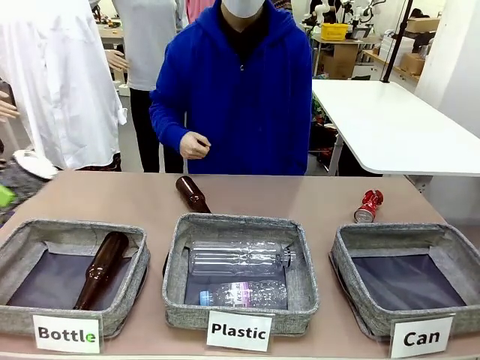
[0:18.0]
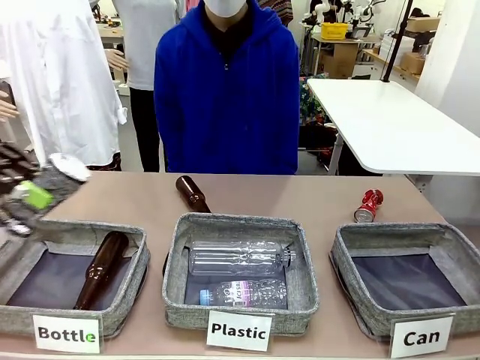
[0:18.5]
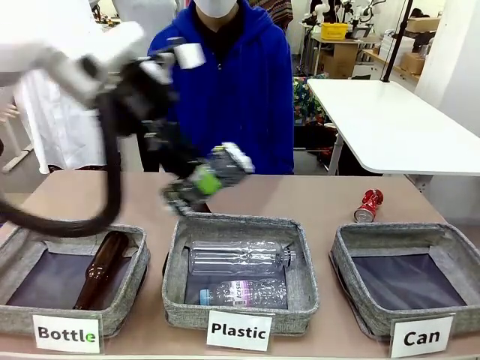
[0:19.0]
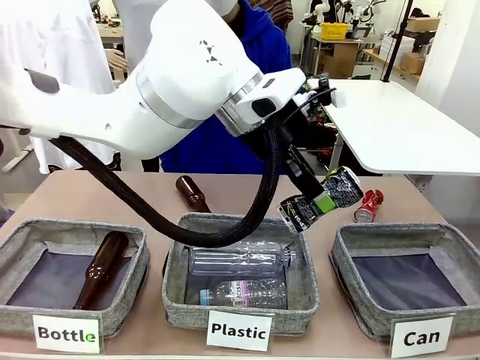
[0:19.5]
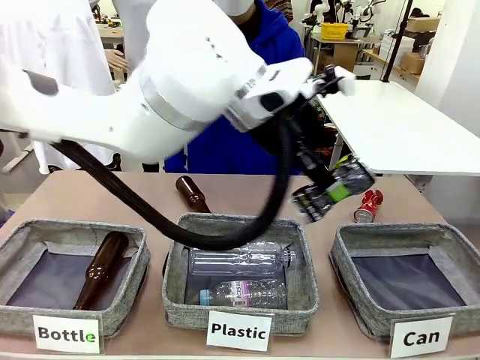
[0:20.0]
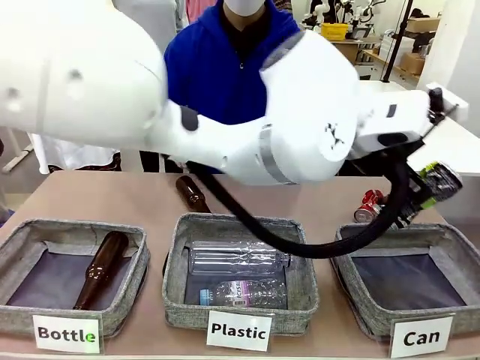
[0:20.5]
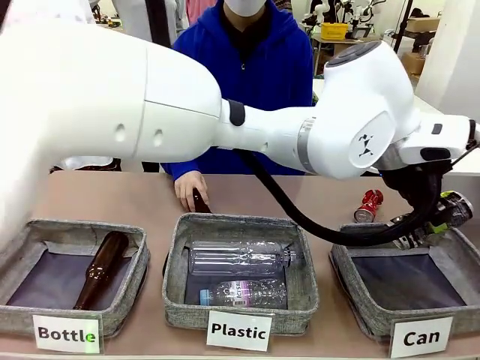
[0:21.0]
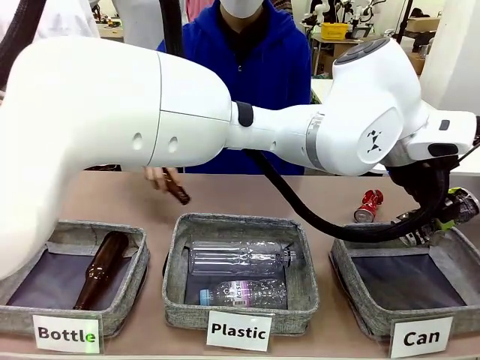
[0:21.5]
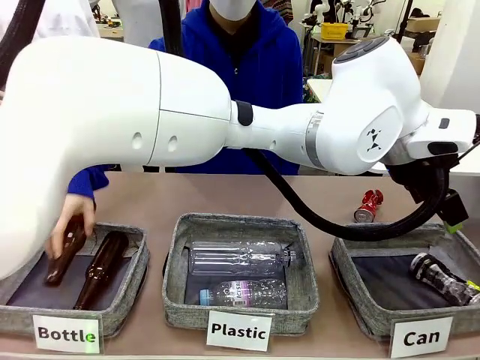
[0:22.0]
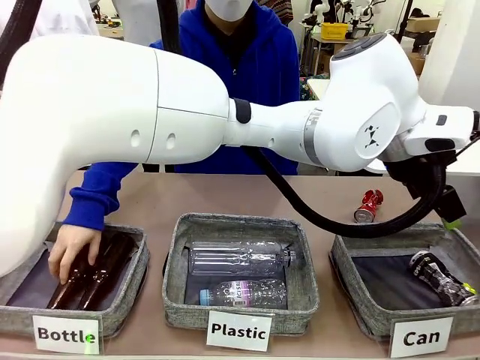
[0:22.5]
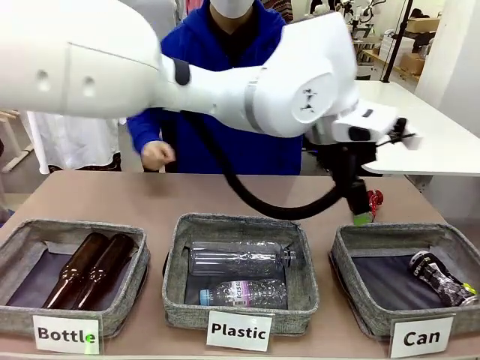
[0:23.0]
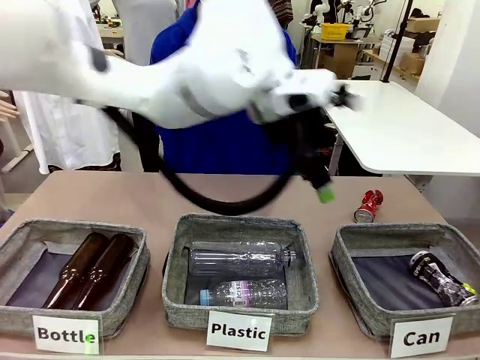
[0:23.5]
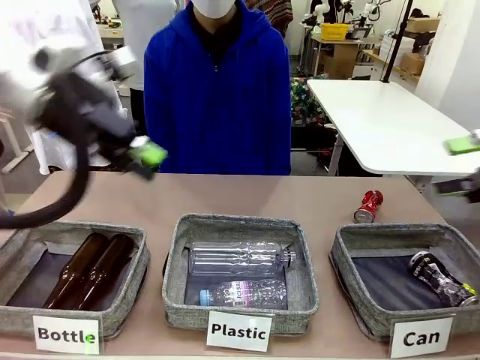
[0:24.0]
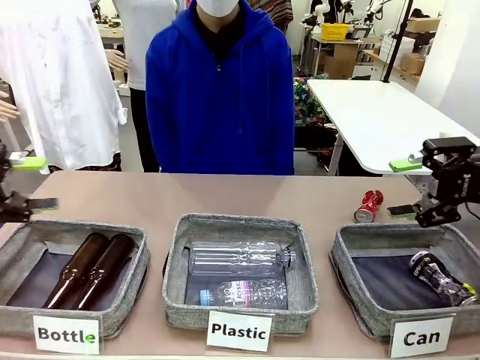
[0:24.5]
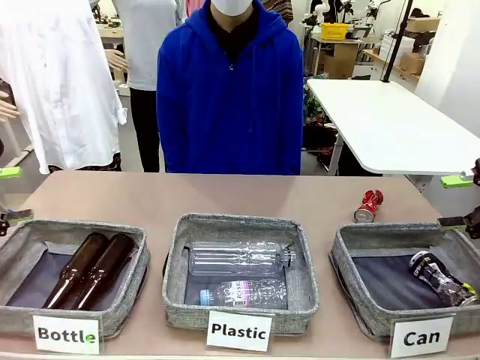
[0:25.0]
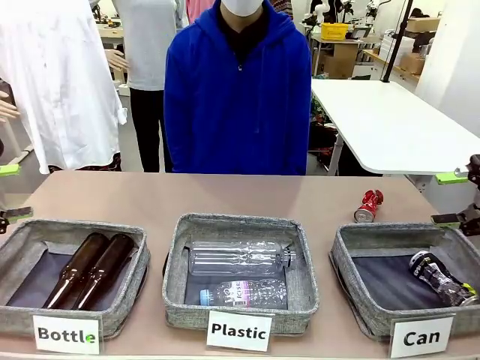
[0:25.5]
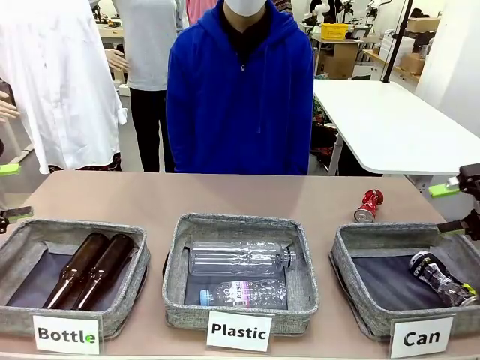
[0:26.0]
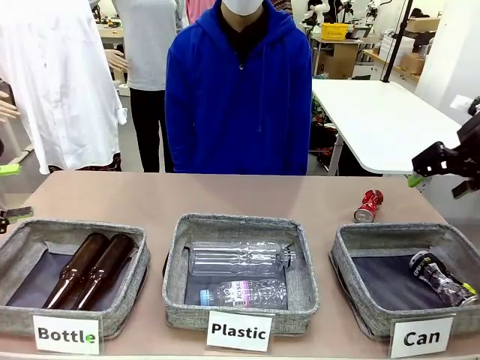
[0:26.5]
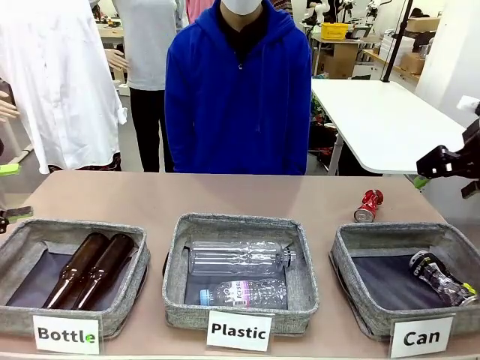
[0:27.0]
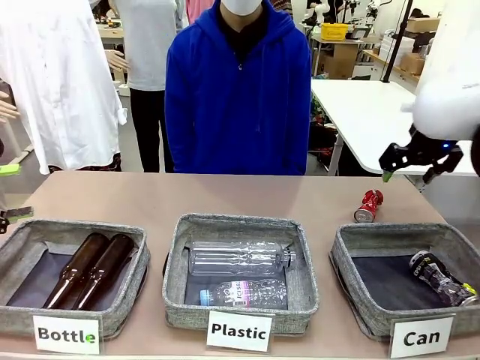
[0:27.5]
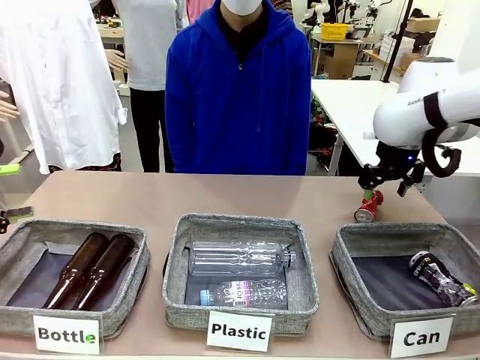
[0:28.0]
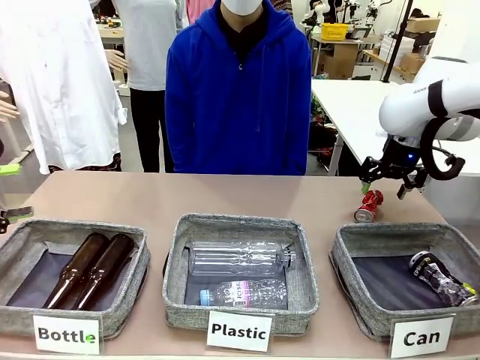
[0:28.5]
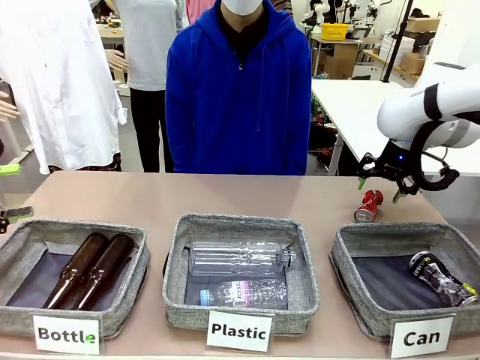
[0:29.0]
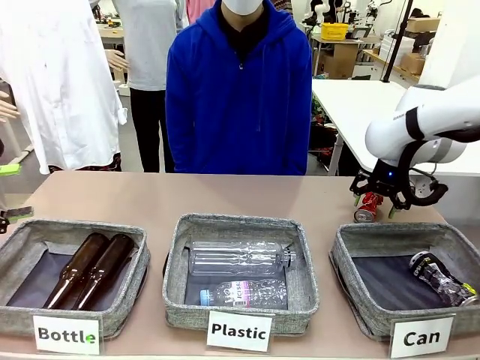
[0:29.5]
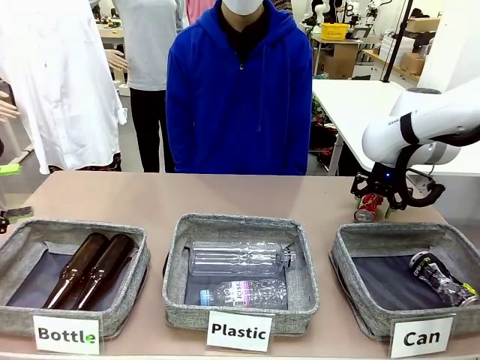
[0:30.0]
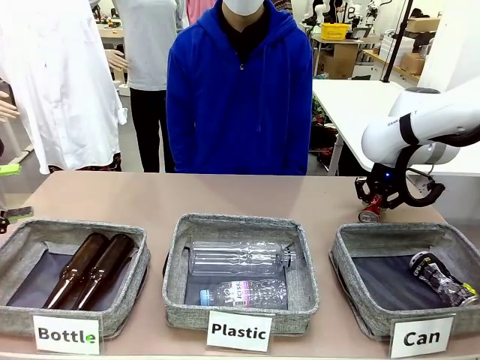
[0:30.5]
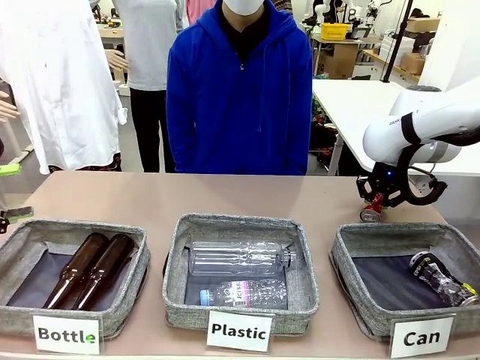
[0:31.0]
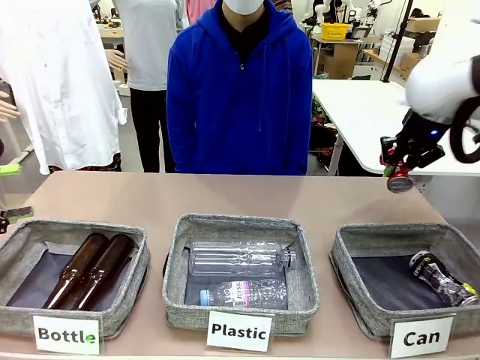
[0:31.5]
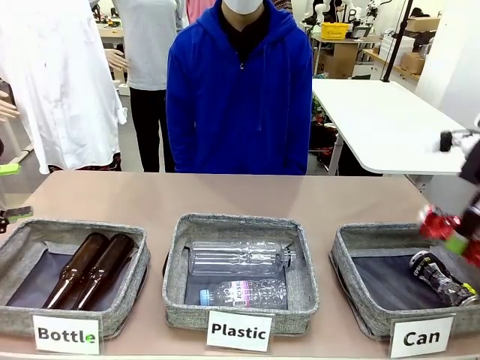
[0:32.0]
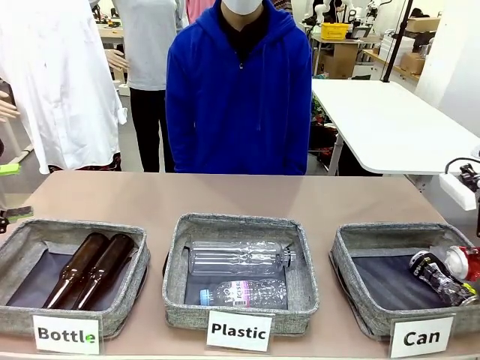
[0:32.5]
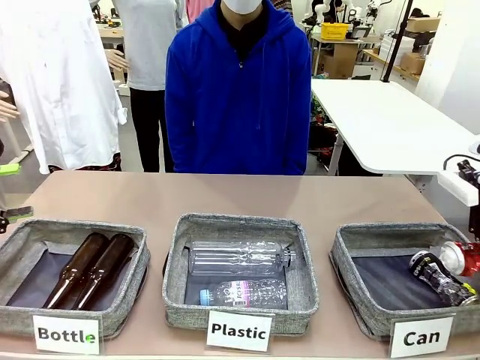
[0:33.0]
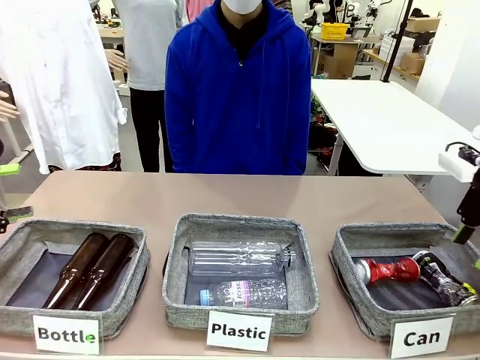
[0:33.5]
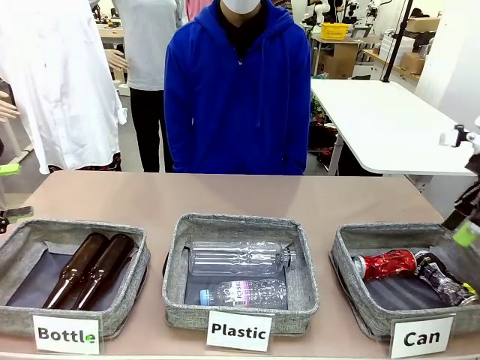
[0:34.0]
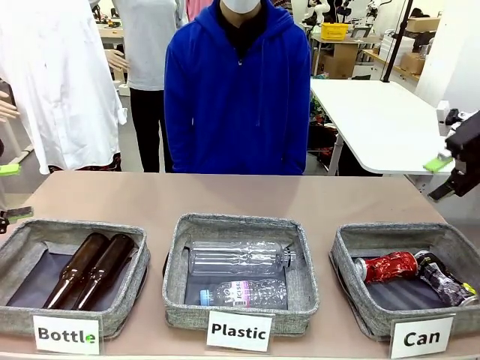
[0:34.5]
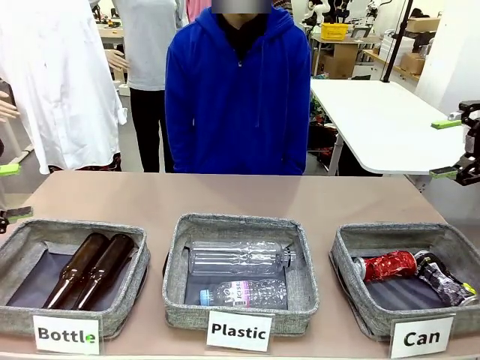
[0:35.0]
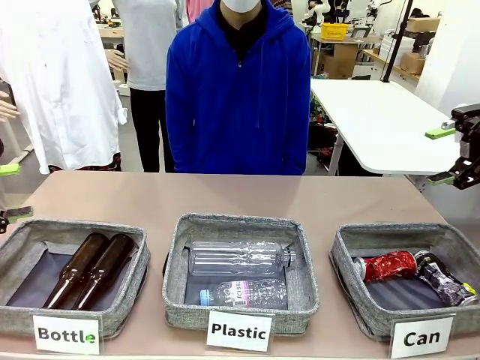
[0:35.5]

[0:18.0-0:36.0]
Task: Sort the can waste into the basket.
Robot: Pick up the can waste from the table and place it in the right Fabric basket.

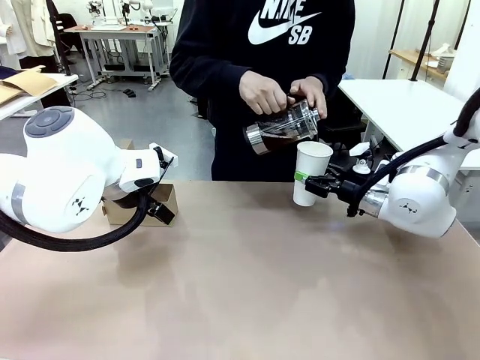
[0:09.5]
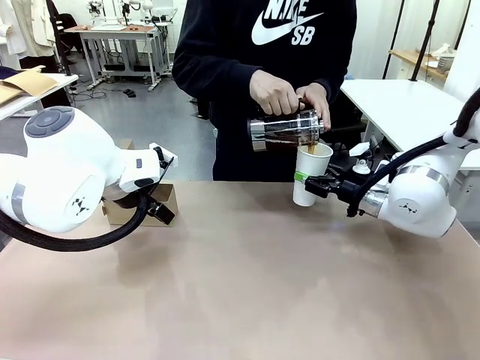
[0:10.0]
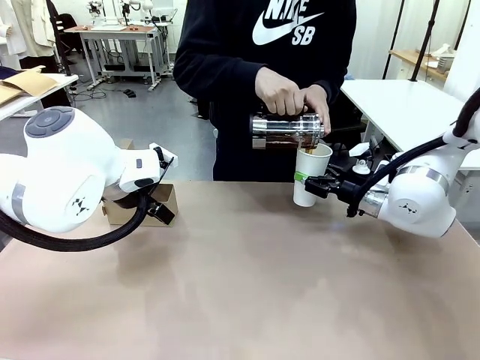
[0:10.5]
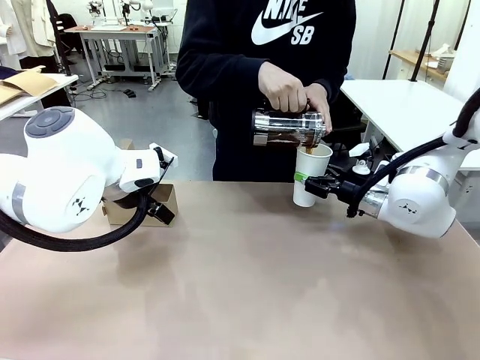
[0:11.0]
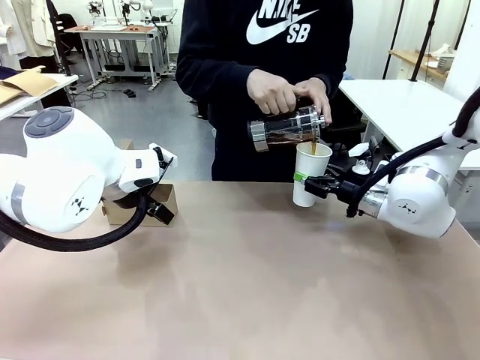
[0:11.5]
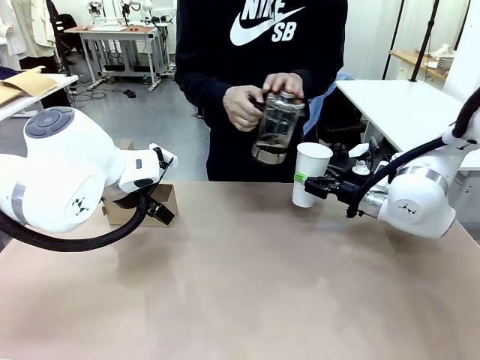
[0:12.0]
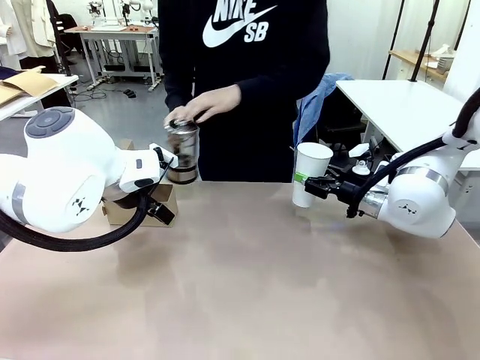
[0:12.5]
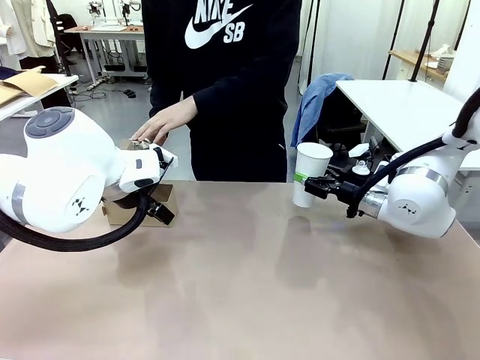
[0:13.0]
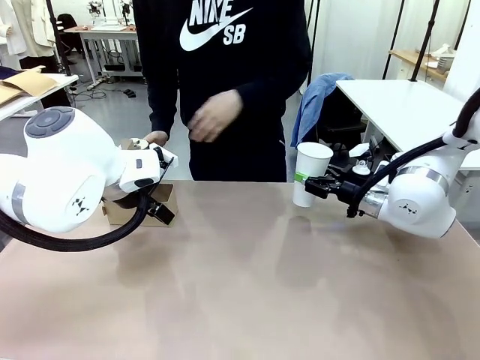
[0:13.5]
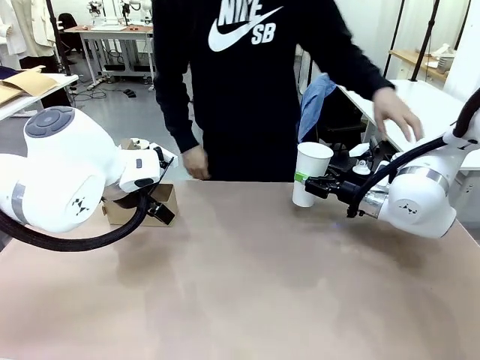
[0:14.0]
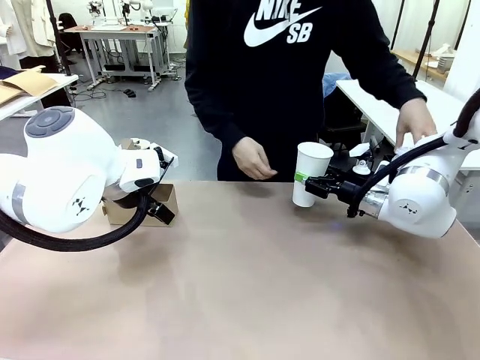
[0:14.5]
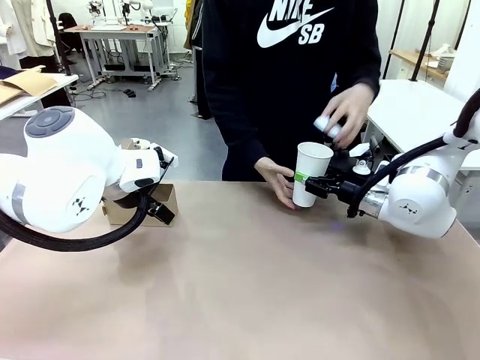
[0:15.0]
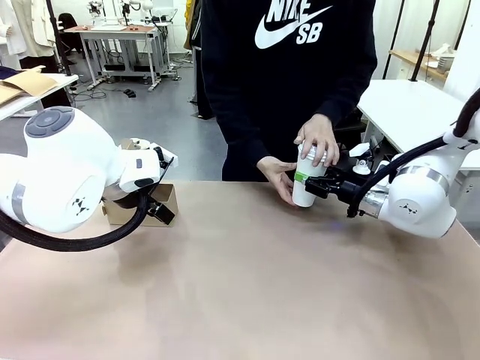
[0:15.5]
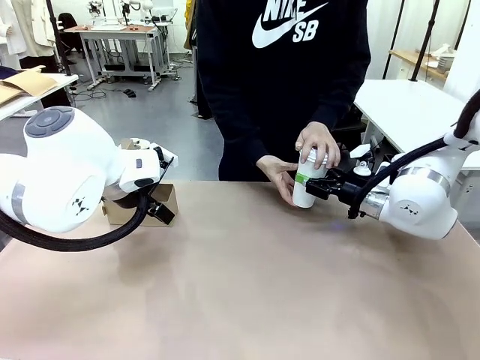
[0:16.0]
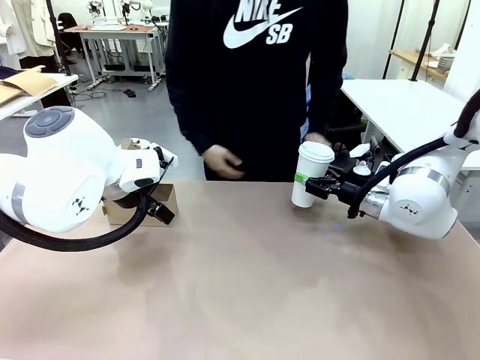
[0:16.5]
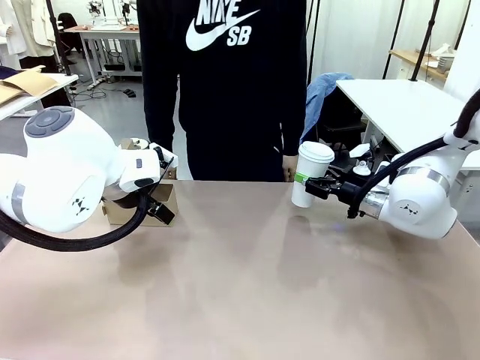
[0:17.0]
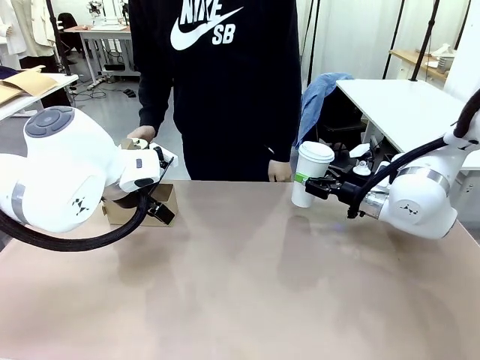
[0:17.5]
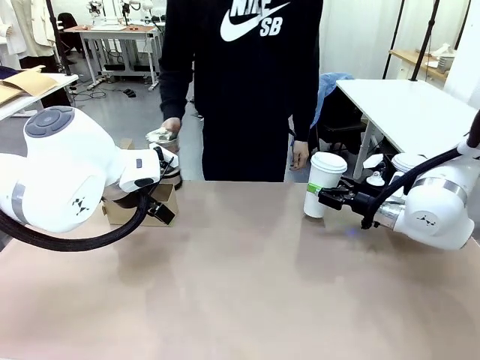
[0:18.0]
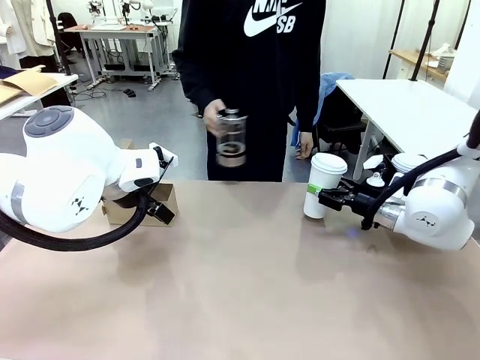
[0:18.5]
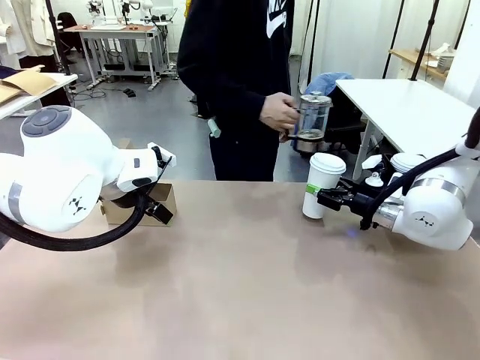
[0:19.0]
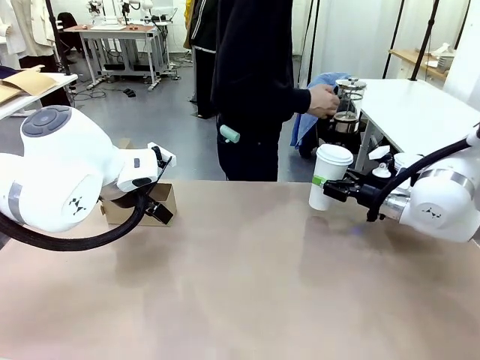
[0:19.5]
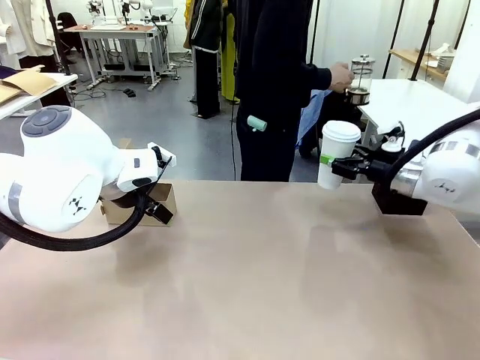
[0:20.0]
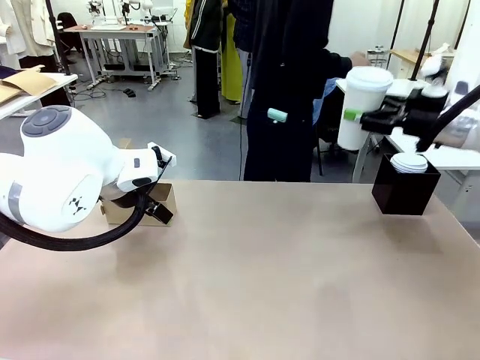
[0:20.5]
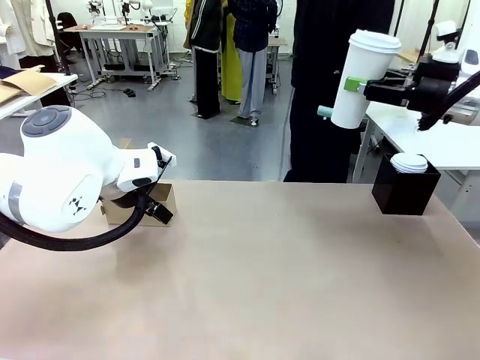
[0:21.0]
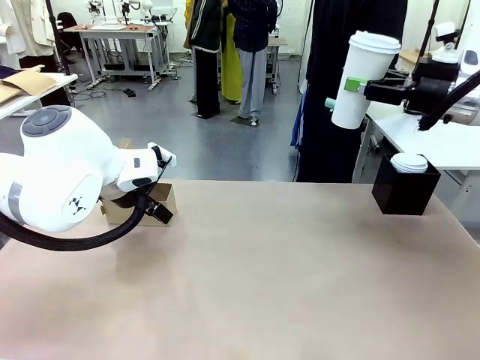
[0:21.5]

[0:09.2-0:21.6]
Task: Pour a drink into a cup and package it in a carrier.
Robot: When a person places the Paper Cup Lid on the 600 ml Paper Cup , lift the 600 ml Paper Cup.
Person: Pour the drink from the Filter Brewing into the 600 ml Paper Cup. Place a Paper Cup Lid on the 600 ml Paper Cup.
